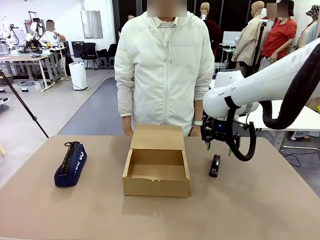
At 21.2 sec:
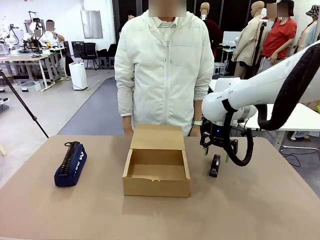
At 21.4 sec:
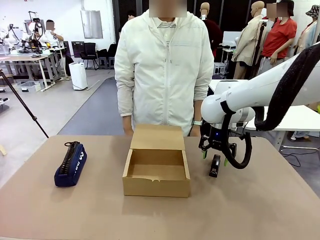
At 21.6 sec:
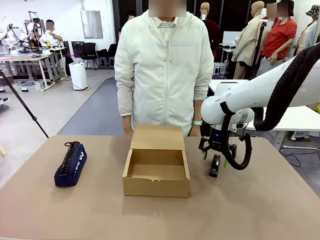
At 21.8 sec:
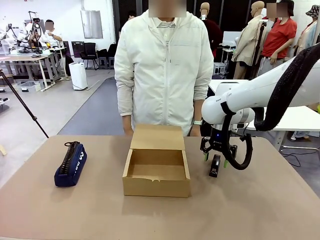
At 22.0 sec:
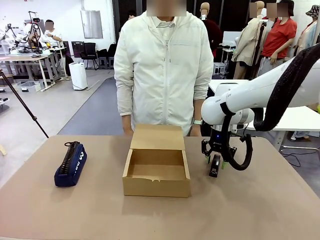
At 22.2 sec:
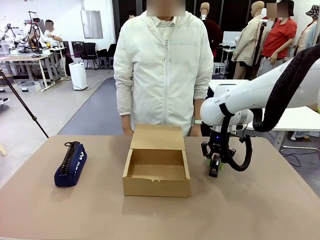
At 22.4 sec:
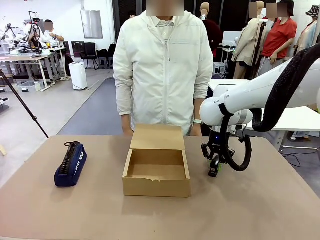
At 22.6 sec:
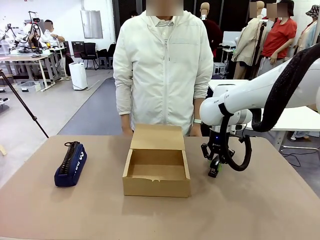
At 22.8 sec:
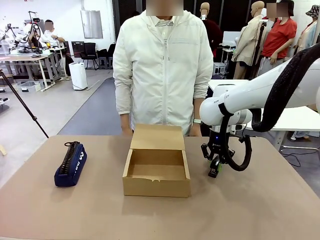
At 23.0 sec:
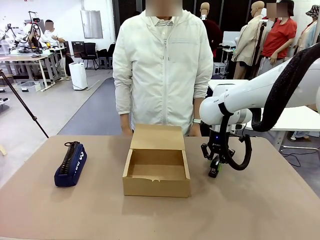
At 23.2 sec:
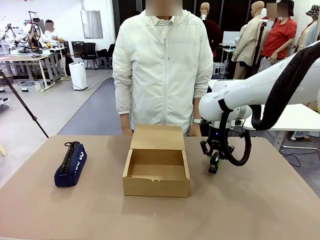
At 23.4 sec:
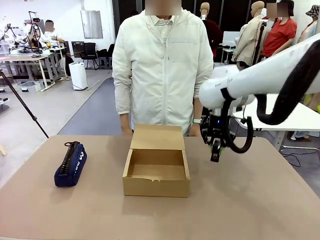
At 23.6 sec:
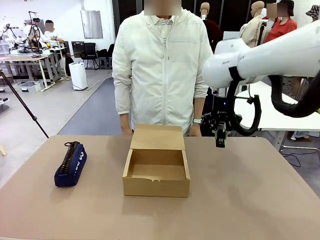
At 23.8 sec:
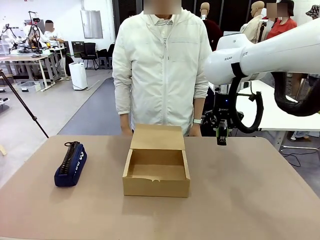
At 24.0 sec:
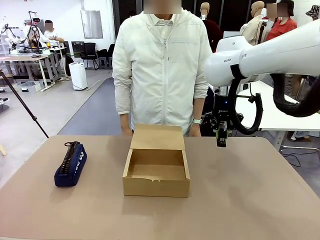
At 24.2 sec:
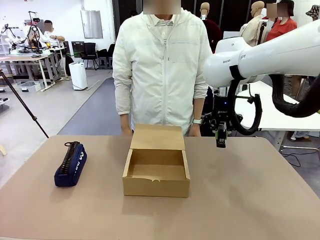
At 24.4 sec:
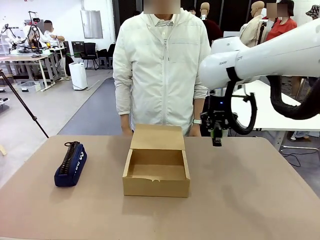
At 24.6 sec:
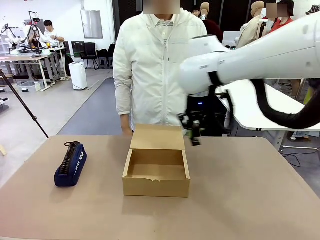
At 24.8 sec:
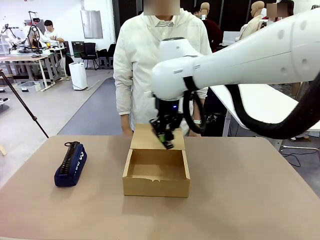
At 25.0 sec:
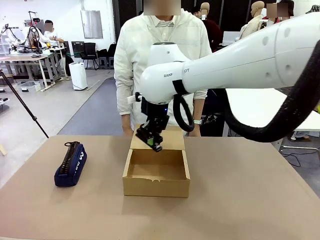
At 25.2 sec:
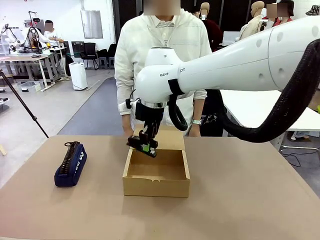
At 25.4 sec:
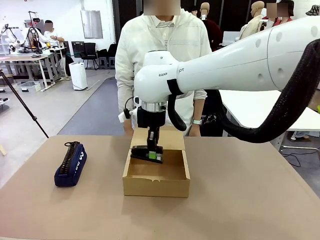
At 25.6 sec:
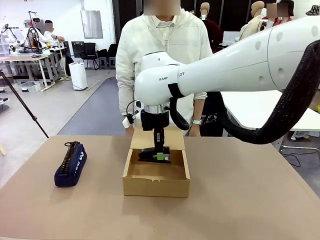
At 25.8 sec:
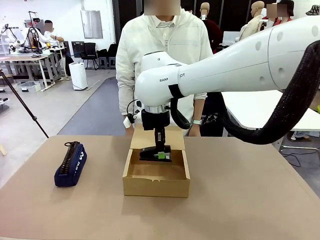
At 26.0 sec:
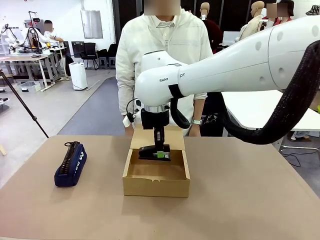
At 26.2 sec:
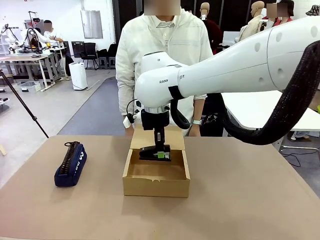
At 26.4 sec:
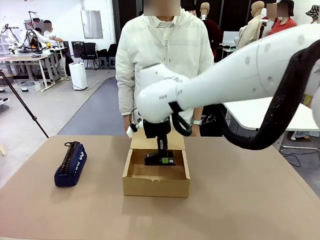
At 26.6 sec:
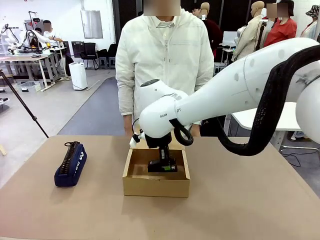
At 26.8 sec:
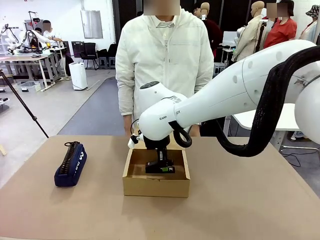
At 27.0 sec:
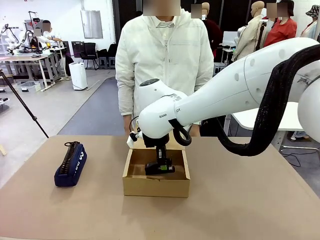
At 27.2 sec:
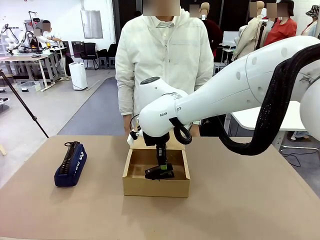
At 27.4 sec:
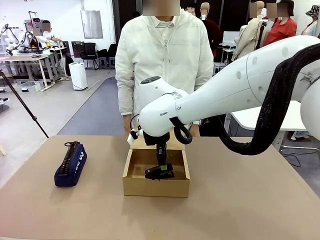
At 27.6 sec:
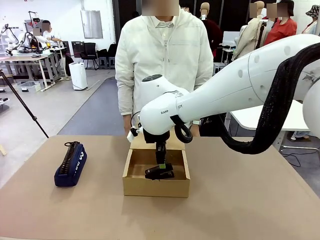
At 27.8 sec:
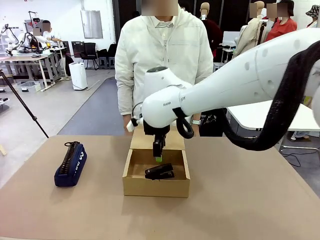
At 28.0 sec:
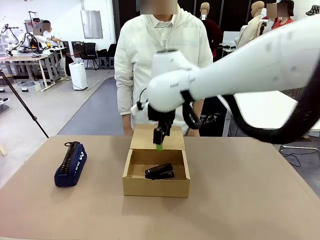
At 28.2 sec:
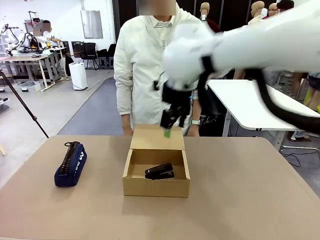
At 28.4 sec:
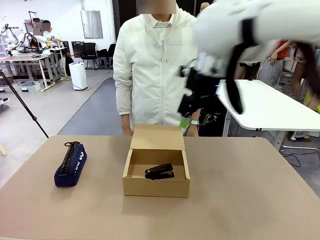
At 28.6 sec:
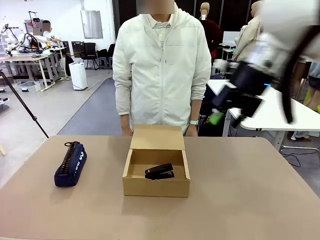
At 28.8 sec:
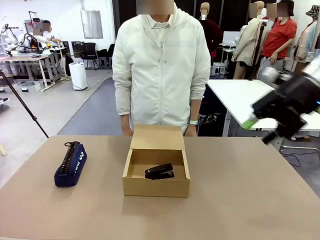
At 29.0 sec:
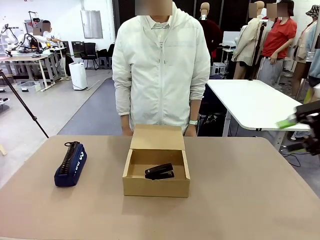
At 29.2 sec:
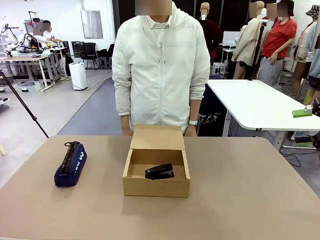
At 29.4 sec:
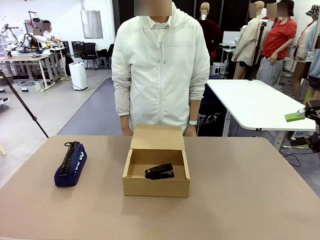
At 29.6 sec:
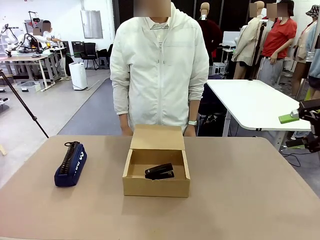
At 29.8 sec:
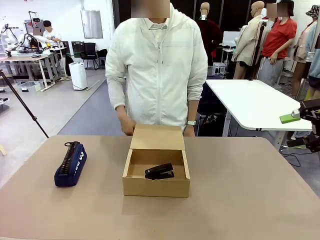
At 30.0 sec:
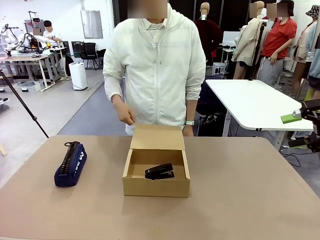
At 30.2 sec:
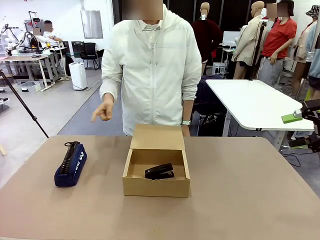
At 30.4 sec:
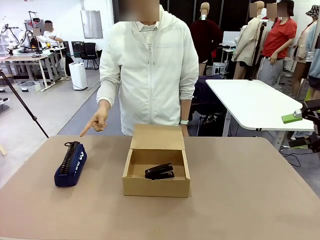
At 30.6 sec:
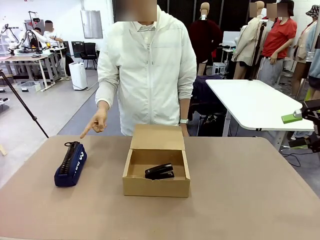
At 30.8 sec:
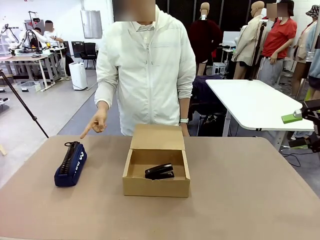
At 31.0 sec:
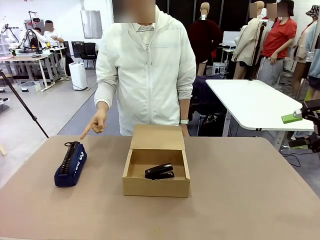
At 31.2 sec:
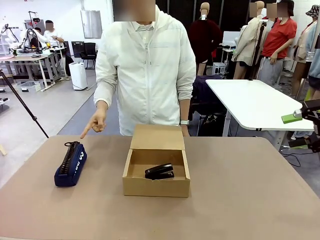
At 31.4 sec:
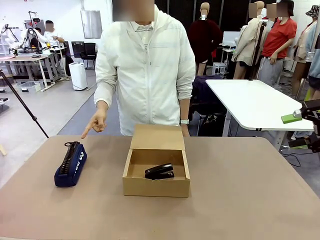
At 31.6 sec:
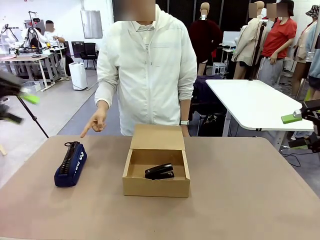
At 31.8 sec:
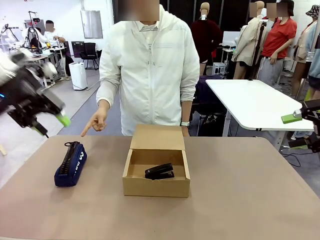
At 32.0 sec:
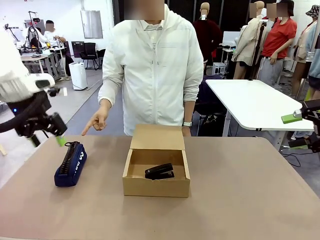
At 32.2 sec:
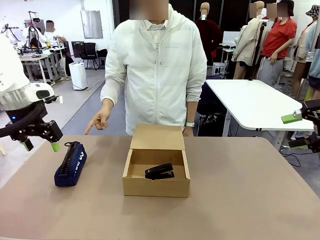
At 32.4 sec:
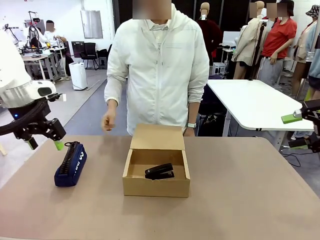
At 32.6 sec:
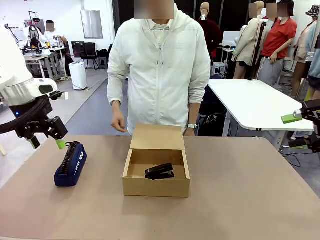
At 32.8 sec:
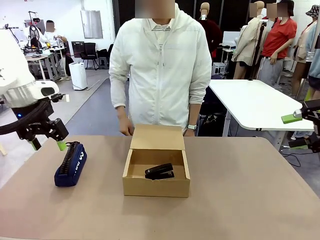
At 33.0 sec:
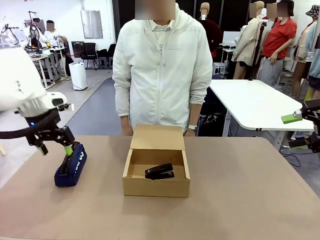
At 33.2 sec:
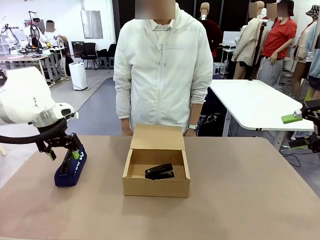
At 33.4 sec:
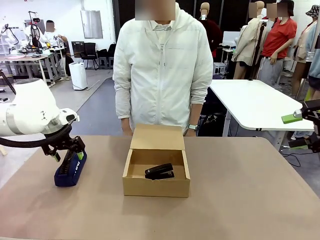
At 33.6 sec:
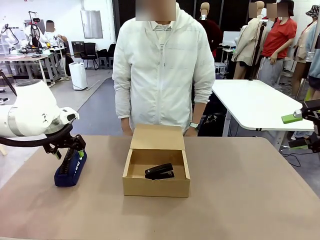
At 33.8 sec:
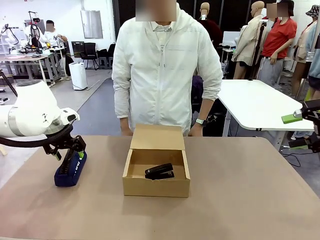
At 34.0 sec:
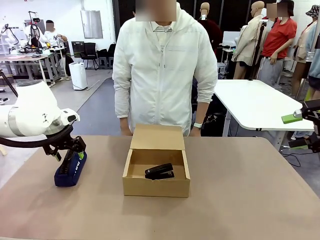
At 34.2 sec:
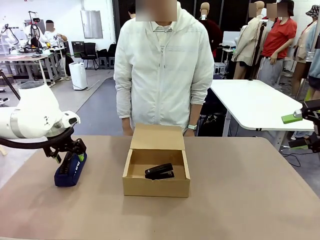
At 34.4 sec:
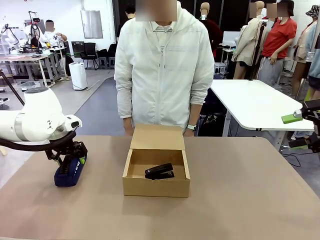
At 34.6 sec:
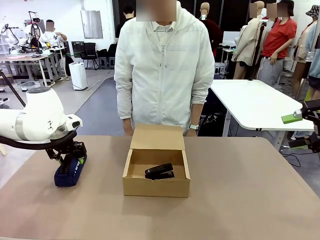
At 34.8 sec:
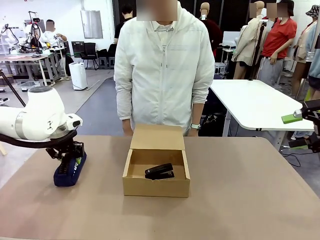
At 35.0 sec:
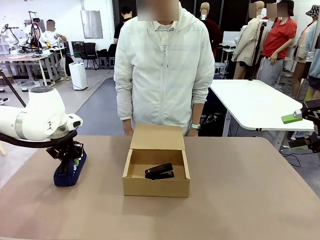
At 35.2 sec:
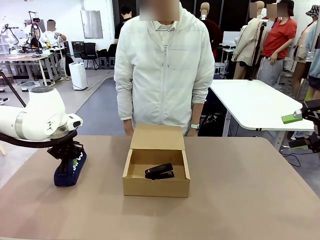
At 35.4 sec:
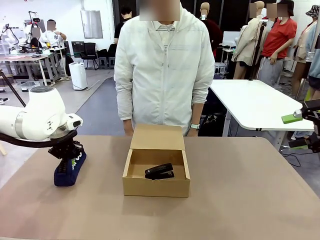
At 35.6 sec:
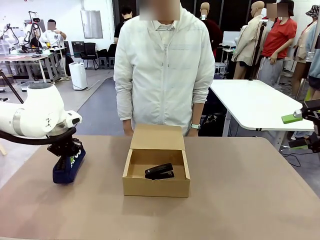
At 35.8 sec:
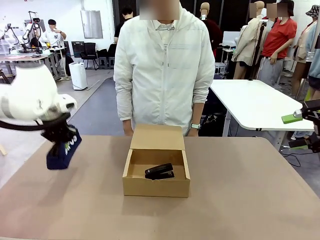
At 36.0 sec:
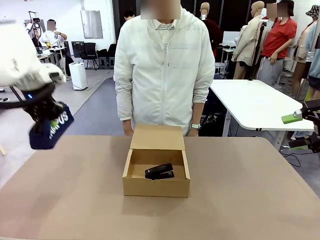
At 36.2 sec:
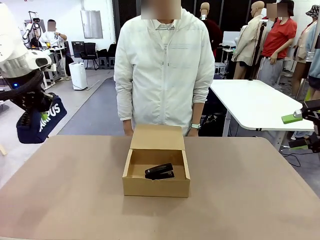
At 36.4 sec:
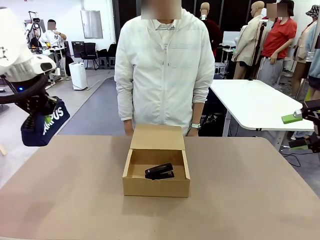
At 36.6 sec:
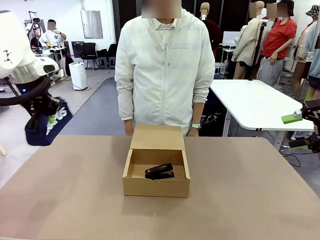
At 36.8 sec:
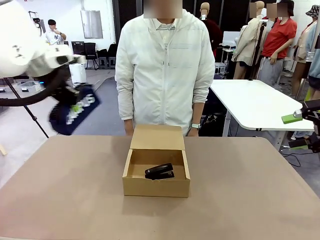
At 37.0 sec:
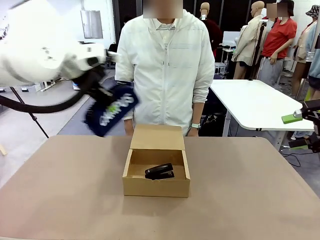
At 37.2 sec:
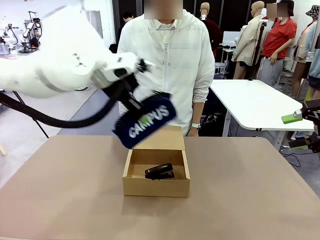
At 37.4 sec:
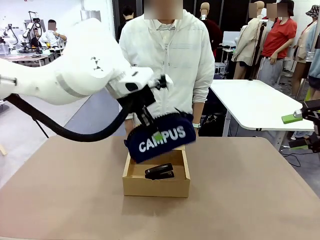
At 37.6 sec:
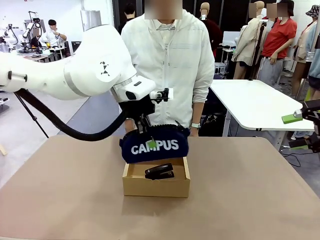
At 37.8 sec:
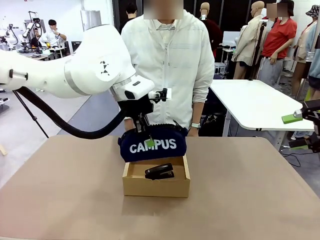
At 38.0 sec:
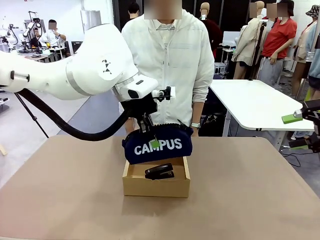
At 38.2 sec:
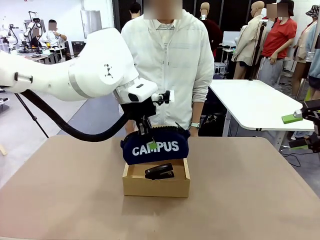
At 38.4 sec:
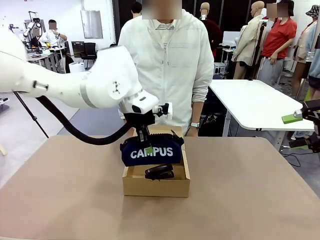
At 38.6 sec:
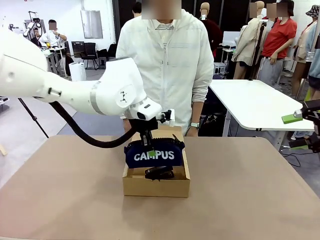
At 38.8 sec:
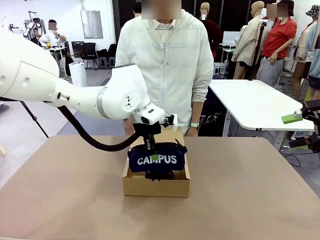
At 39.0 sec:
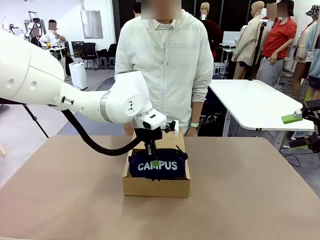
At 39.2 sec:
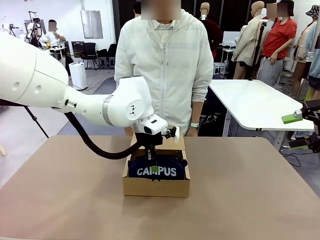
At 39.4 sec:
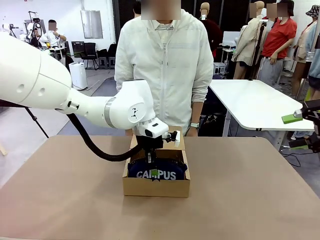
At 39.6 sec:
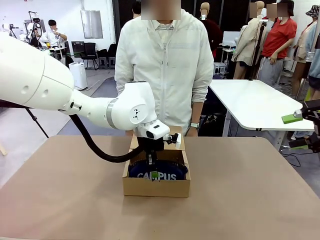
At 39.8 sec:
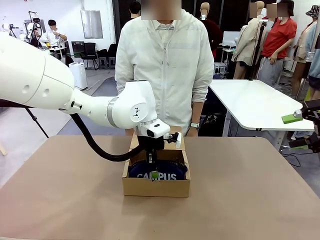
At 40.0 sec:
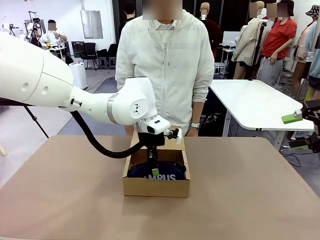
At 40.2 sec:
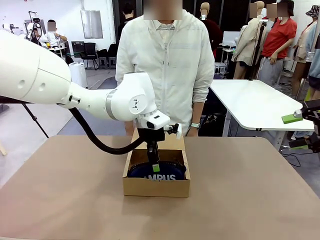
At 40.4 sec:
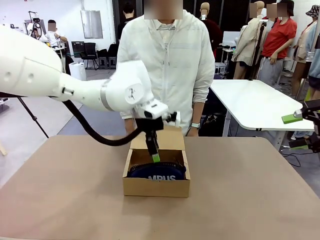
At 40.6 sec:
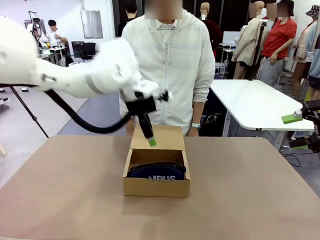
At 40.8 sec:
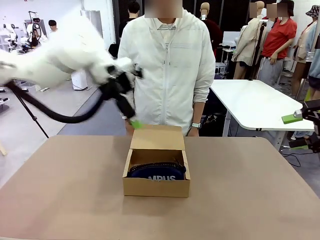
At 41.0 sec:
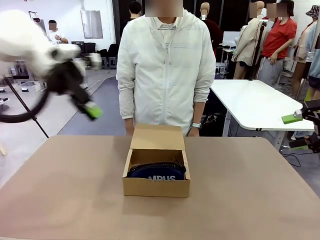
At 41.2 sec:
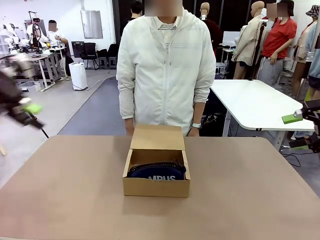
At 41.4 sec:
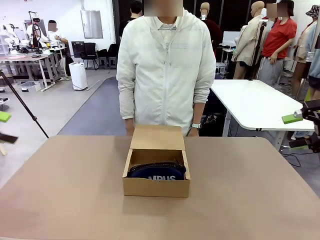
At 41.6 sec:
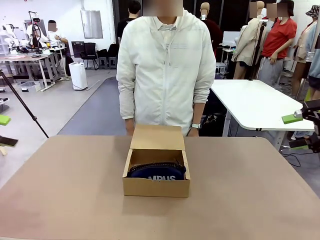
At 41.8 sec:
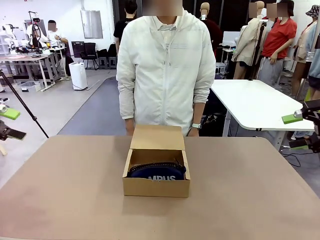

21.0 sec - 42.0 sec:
Task: Pack the items into the box.
Robot: Pick up the item indicated by the person and place it inside the Mailer Box.
Person: Lower both hands vertically with palms facing downward, as if pressing something closed.
